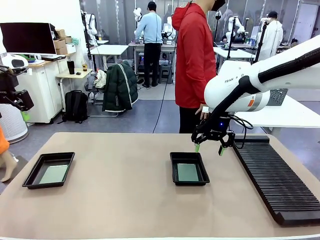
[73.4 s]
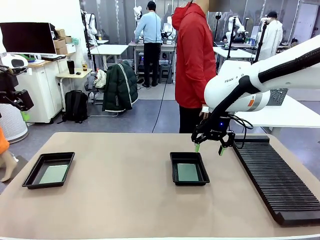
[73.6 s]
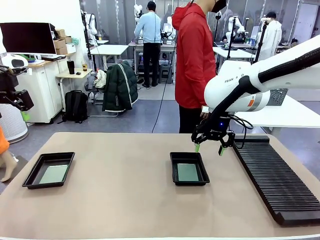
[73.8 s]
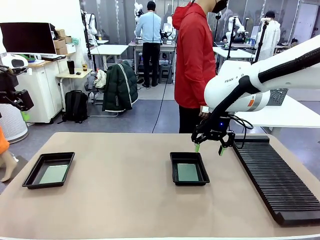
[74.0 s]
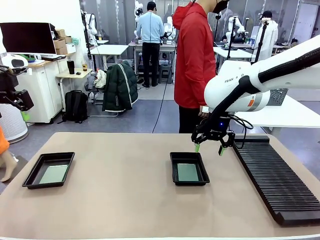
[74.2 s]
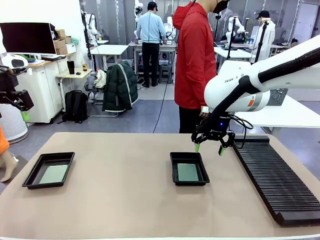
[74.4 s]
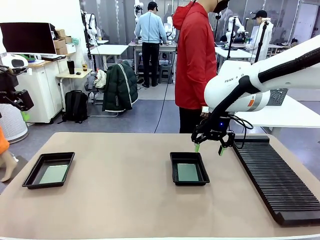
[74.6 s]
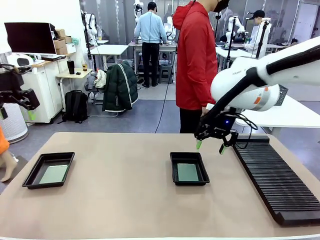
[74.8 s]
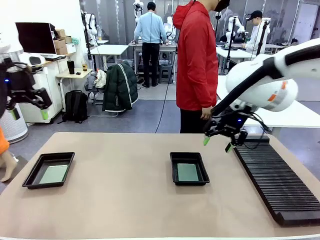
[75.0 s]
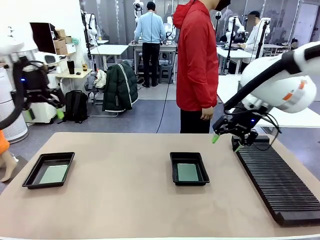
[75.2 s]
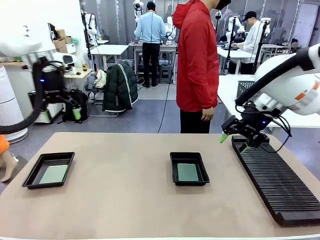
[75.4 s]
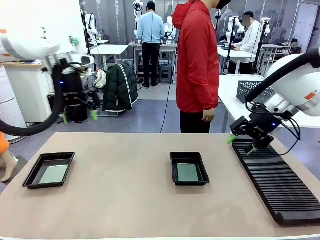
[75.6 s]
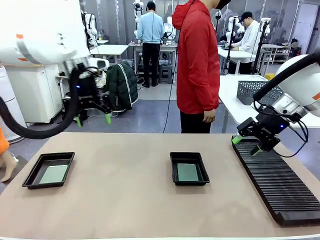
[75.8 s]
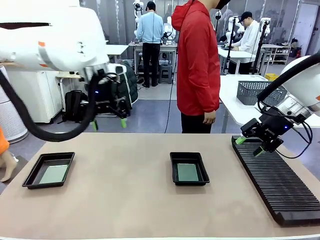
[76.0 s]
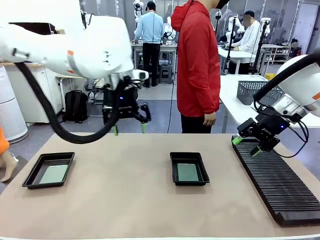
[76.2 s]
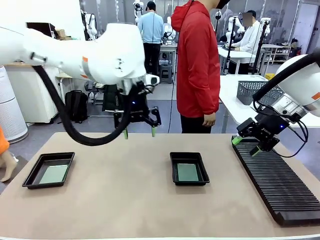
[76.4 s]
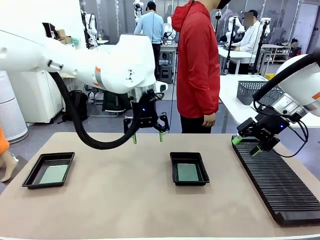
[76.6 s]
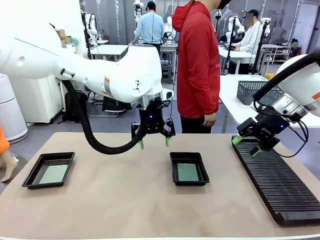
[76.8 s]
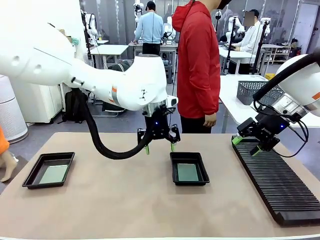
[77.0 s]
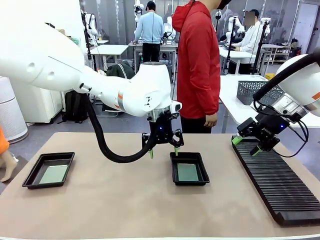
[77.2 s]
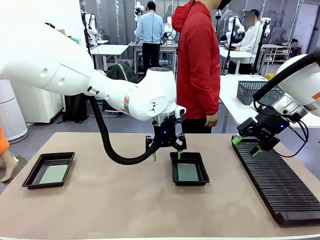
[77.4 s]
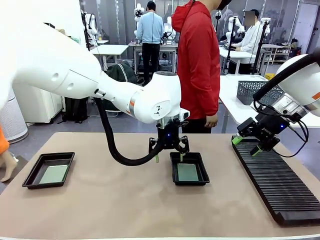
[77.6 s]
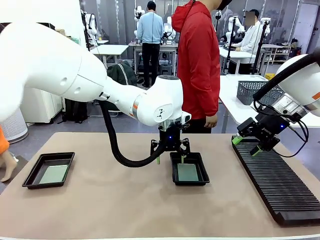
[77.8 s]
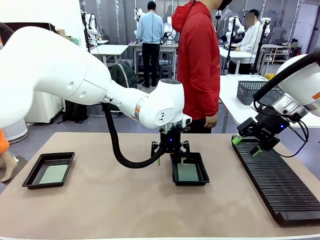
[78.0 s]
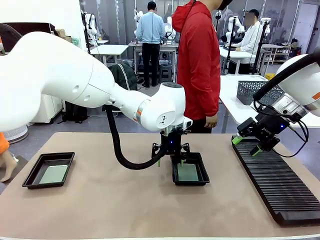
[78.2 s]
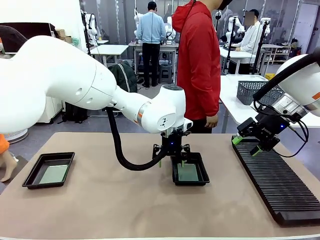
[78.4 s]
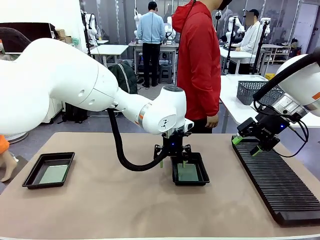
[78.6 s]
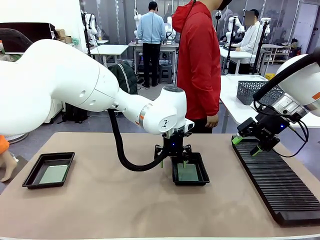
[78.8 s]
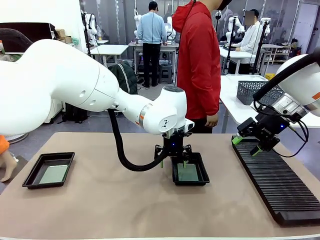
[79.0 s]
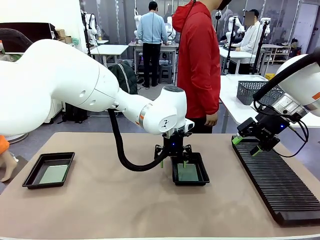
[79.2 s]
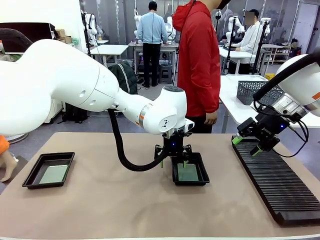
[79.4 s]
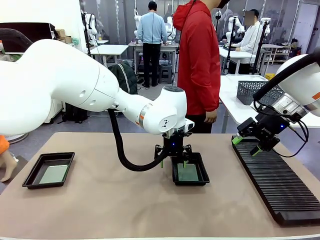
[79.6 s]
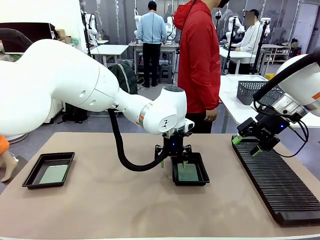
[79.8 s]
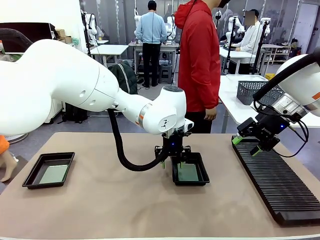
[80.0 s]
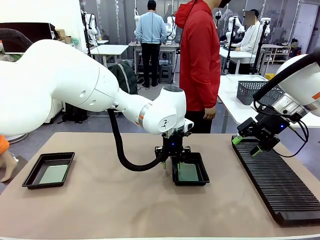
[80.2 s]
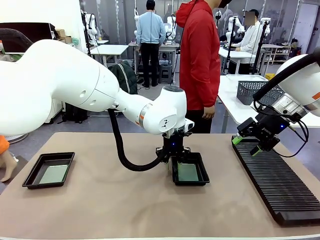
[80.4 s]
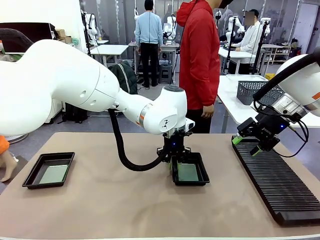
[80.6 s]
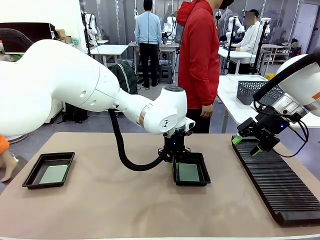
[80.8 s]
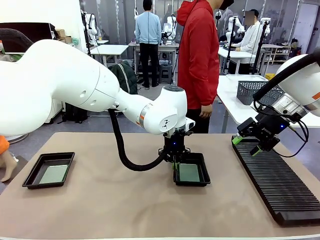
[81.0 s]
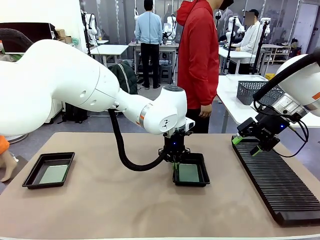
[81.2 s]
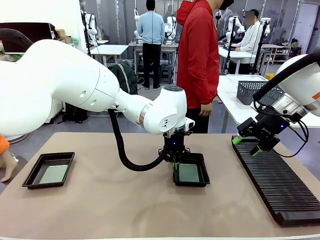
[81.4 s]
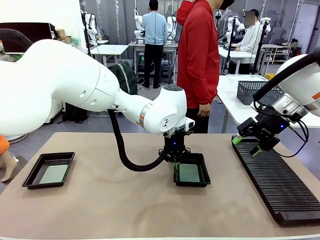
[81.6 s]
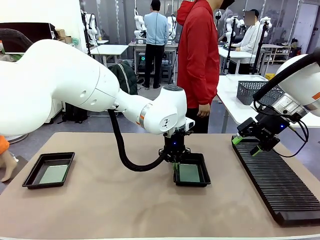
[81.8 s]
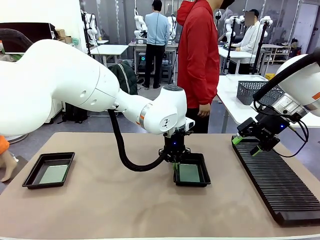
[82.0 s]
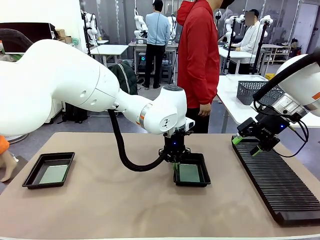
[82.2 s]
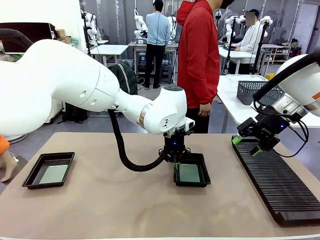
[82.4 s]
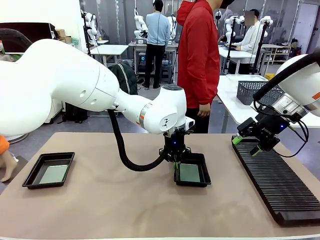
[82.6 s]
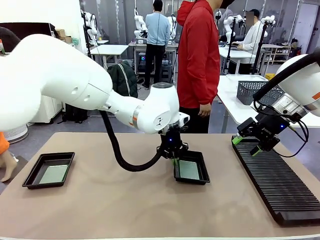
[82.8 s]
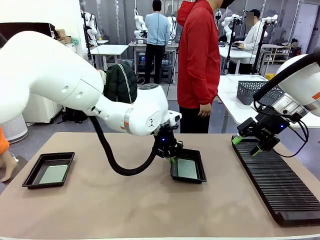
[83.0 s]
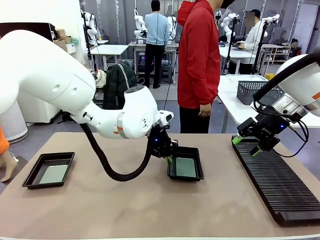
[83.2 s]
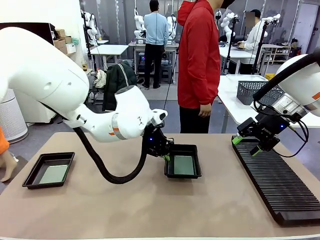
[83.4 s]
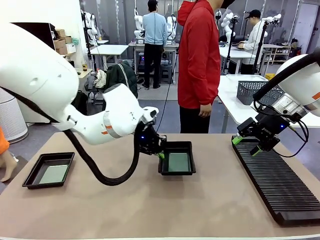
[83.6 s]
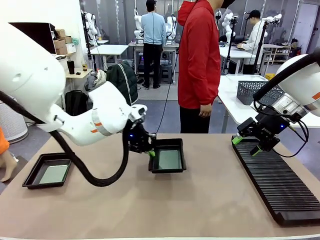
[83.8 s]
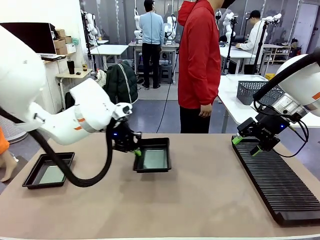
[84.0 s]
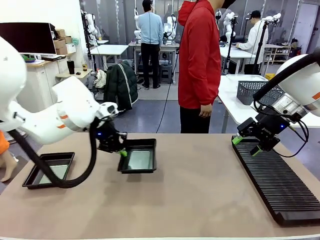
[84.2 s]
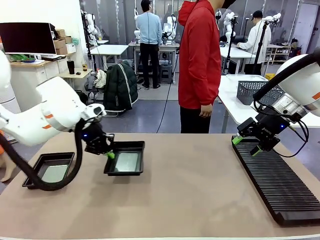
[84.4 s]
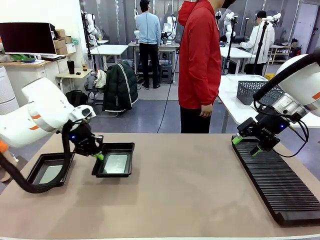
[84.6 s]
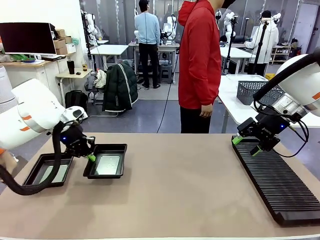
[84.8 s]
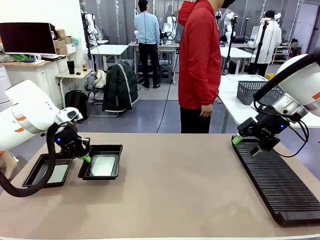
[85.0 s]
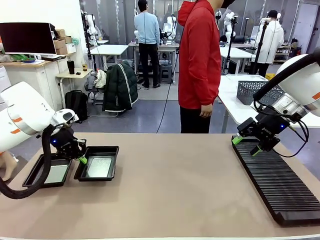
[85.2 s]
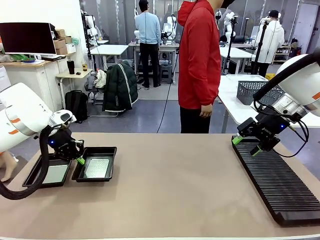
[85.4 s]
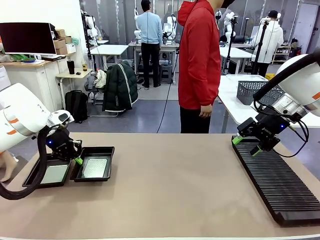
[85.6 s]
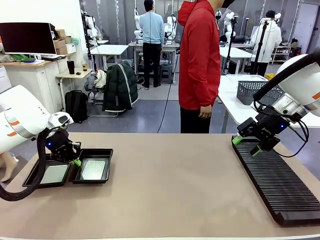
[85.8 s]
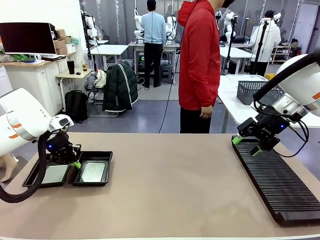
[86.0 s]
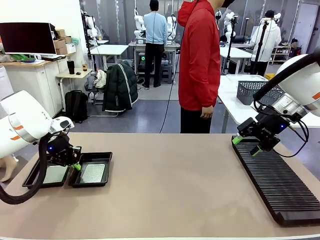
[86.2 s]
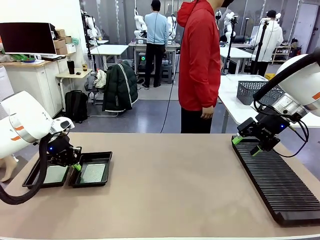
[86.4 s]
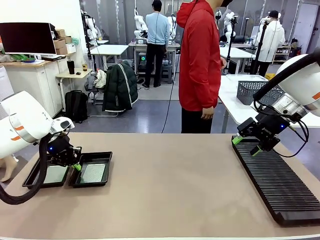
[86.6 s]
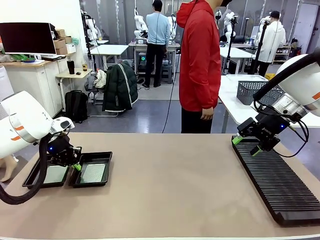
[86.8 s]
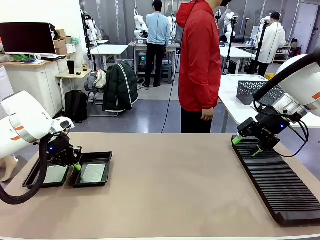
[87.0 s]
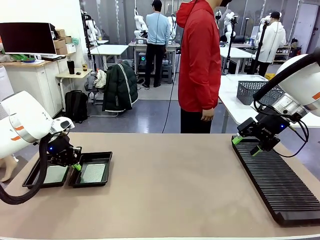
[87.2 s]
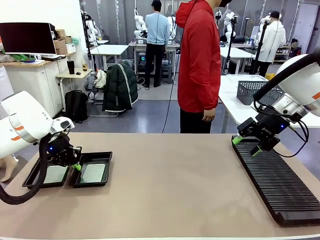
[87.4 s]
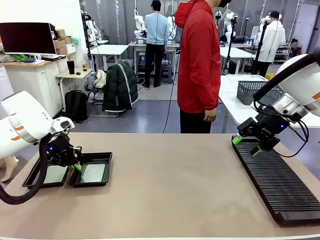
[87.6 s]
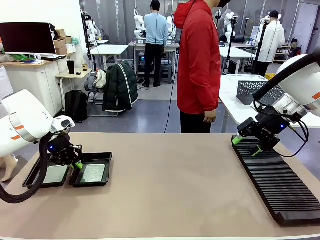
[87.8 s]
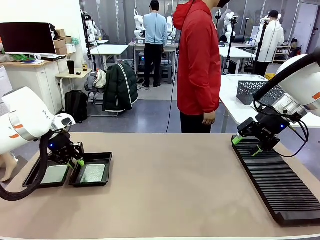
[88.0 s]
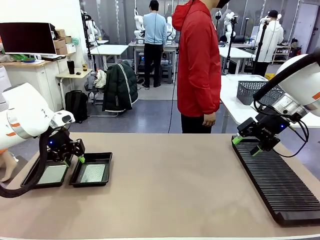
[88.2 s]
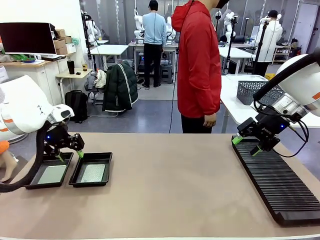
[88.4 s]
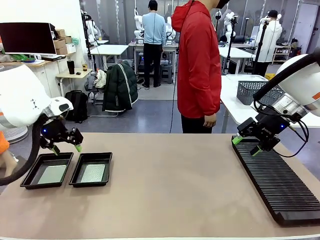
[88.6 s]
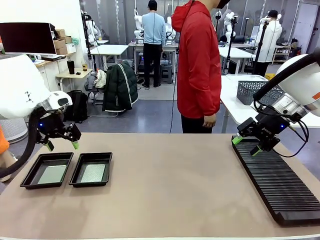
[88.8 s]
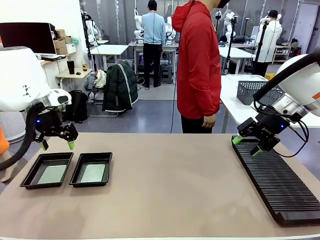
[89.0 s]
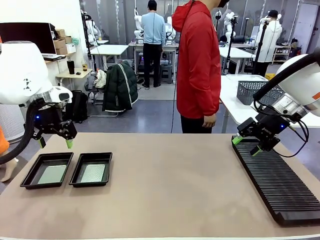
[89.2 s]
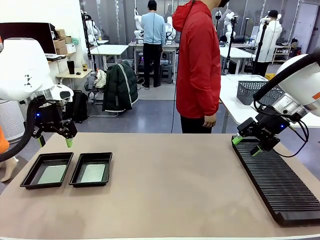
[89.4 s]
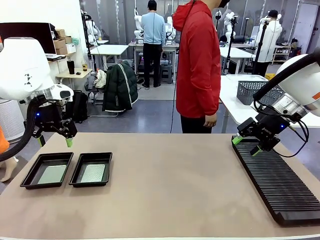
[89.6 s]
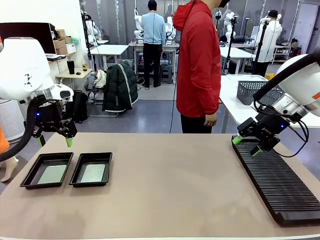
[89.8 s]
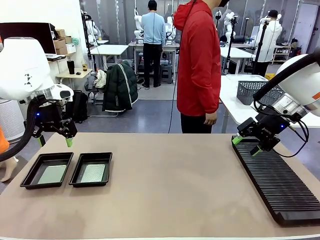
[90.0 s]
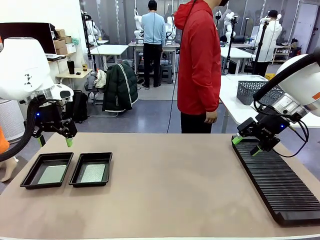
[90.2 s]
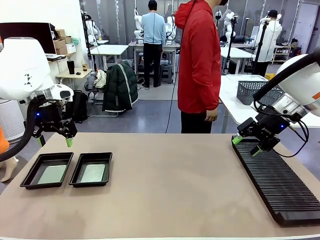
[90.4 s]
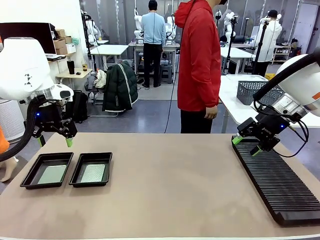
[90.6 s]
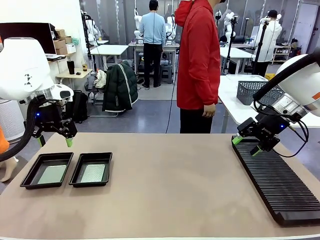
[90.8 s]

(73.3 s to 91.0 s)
Task: Inspect and transfer BCBs to ESD trays.
Robot: Pick up the ESD tray and place it on the left side of the table.
